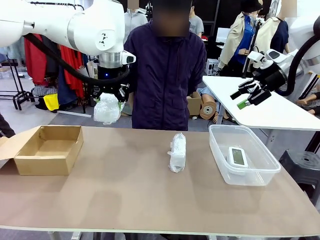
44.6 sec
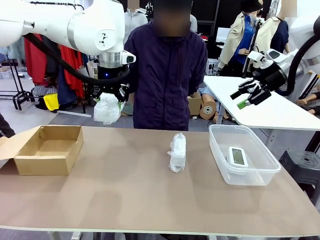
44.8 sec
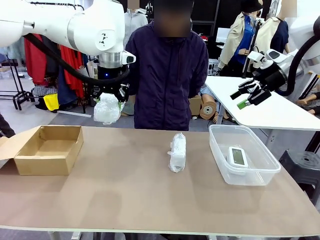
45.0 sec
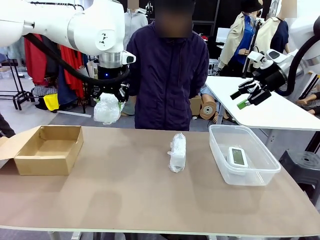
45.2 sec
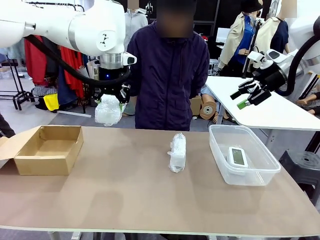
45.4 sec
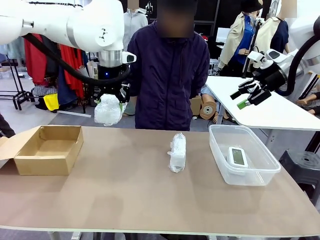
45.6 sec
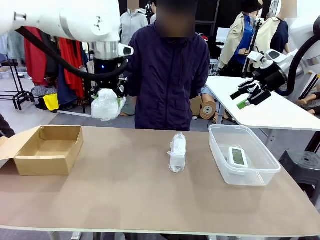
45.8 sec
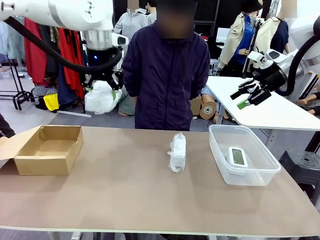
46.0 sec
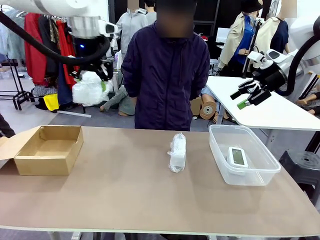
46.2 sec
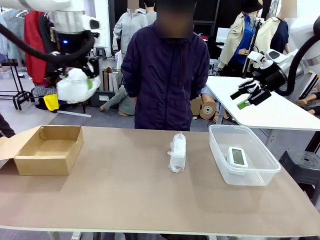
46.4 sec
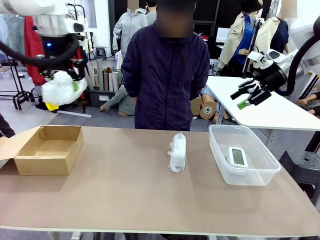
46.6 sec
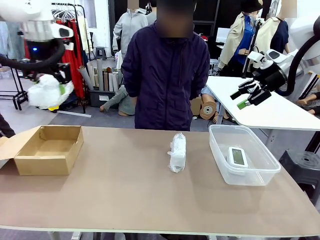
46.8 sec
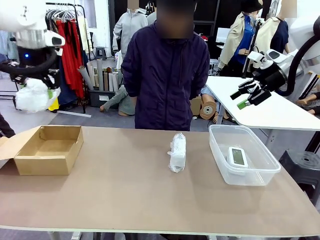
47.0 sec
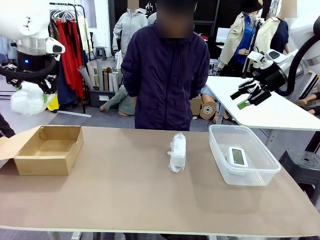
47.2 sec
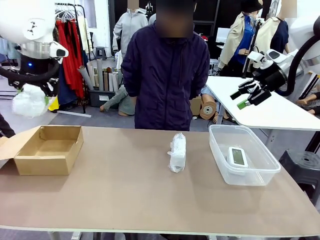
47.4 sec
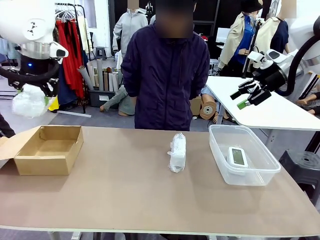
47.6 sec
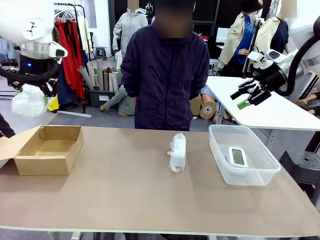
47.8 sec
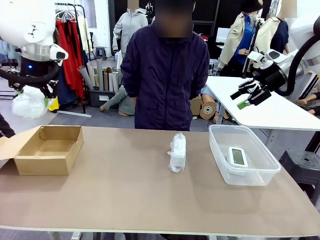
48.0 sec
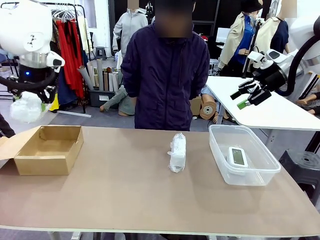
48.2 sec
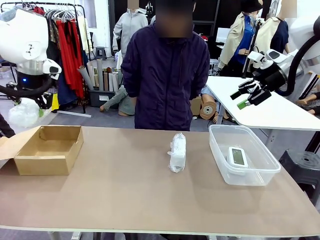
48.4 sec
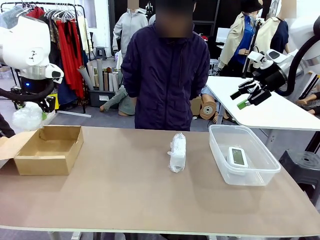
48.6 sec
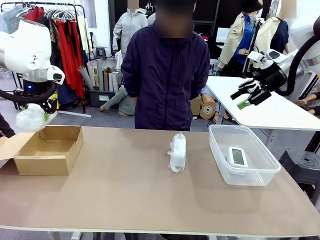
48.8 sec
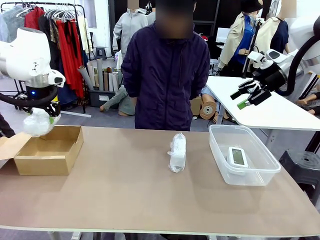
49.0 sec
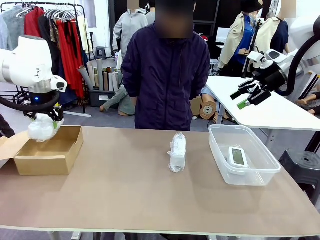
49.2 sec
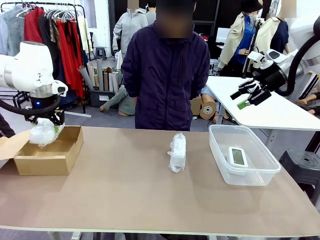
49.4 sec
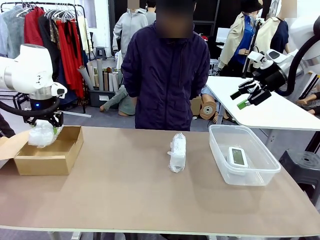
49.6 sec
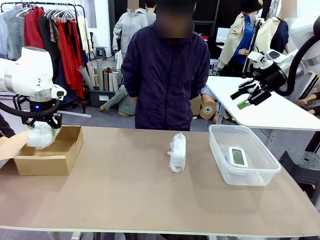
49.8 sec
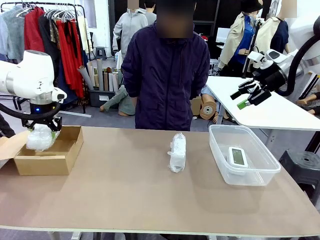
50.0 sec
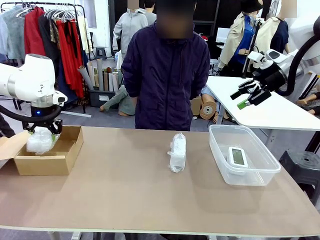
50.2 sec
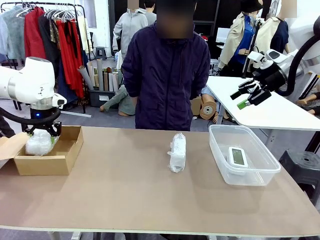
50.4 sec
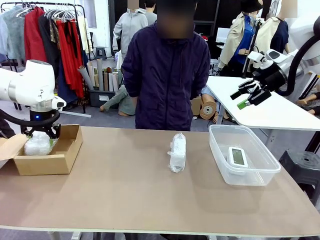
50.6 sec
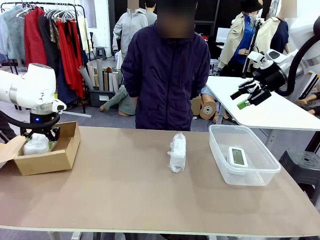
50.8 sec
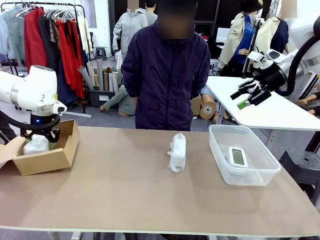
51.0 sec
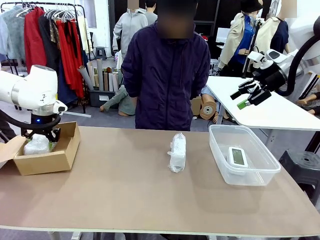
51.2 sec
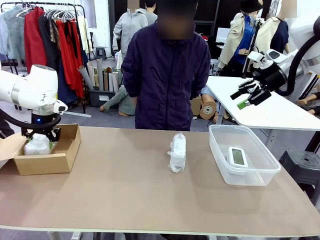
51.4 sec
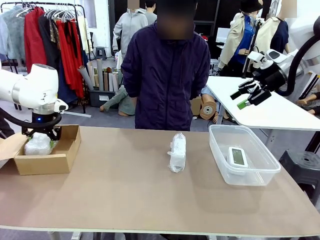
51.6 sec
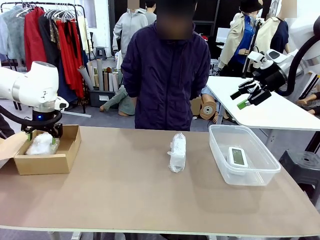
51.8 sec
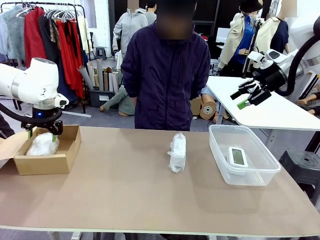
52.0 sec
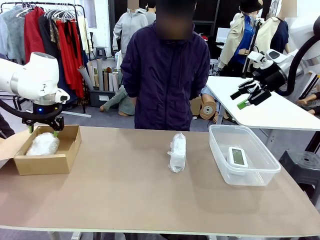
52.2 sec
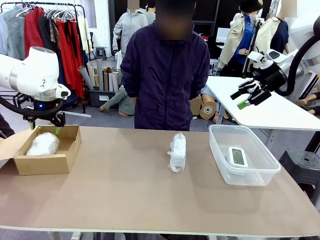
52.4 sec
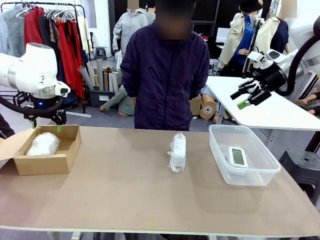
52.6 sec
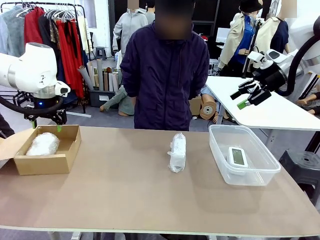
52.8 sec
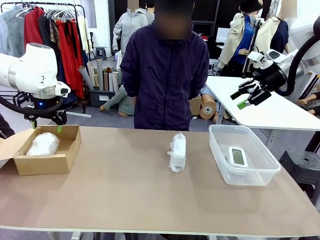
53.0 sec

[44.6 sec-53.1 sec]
Task: Separate and place wrapped and unwrapped clocks.
Robot: If the picked Digital clock is wrapped, place it in the Package Box ; if not, place it in the Organizing box.

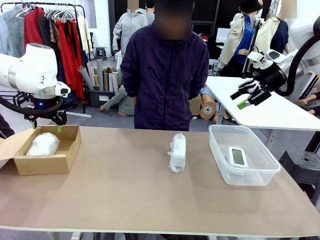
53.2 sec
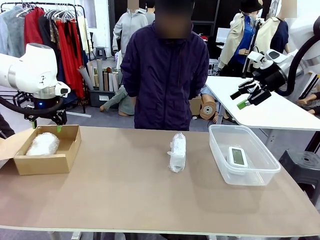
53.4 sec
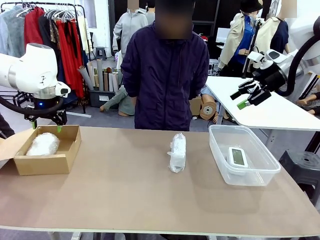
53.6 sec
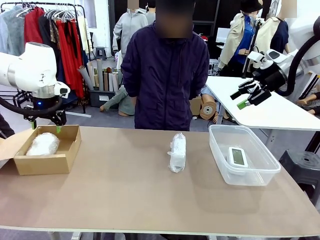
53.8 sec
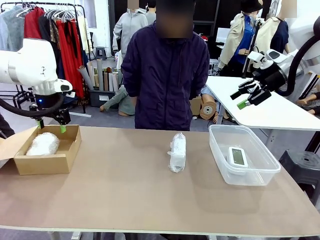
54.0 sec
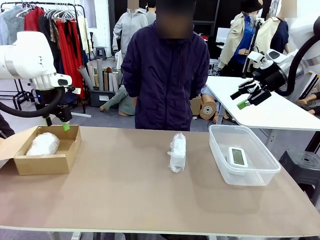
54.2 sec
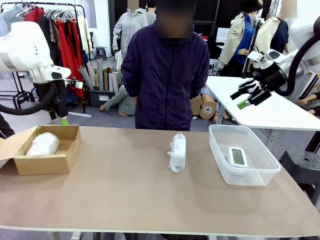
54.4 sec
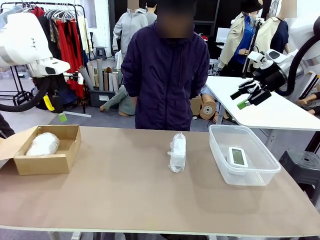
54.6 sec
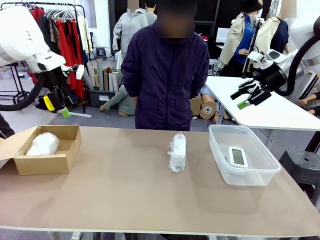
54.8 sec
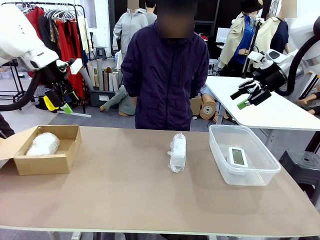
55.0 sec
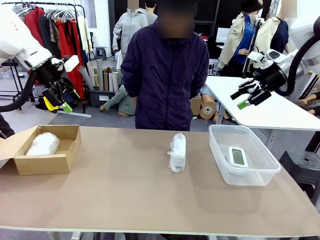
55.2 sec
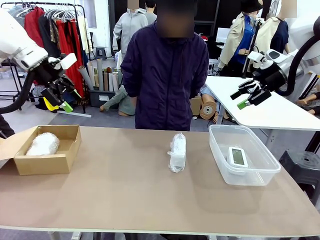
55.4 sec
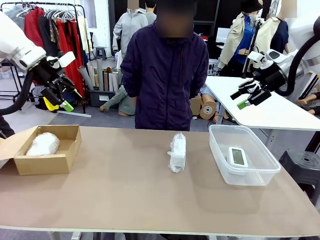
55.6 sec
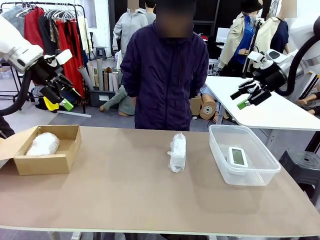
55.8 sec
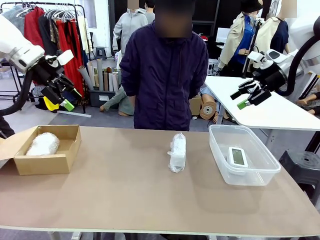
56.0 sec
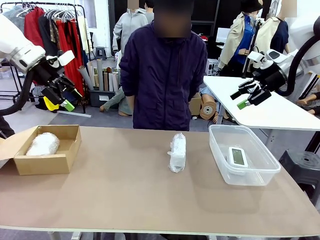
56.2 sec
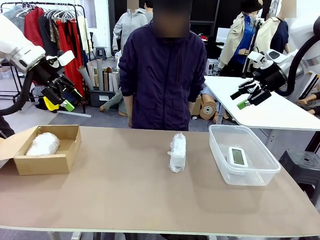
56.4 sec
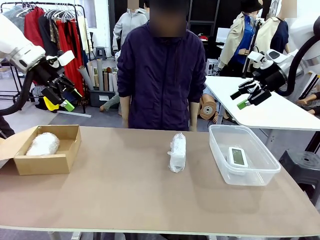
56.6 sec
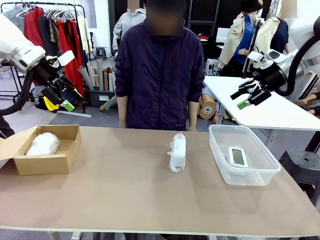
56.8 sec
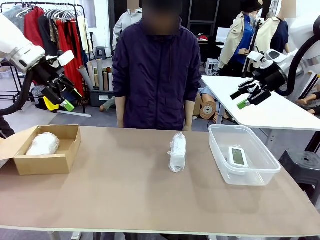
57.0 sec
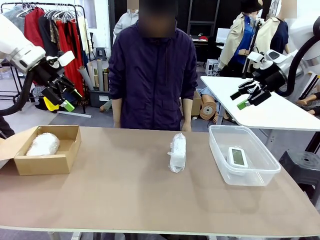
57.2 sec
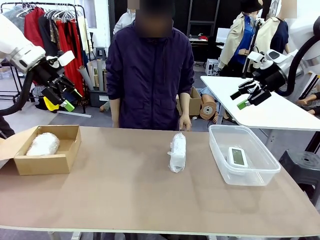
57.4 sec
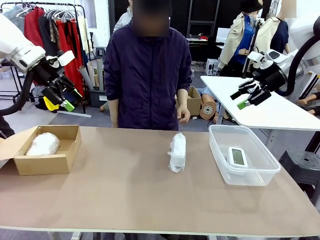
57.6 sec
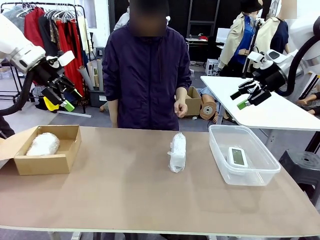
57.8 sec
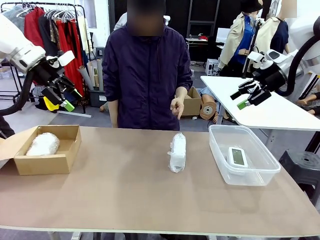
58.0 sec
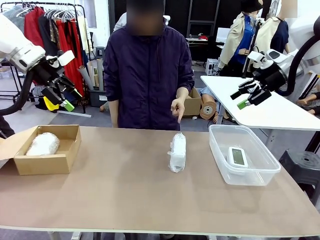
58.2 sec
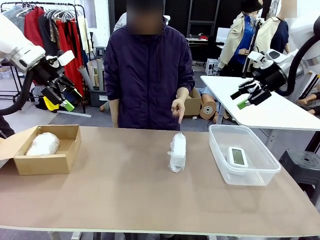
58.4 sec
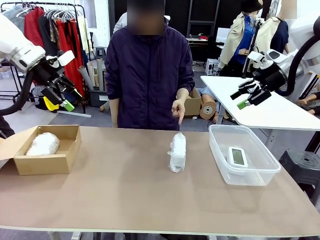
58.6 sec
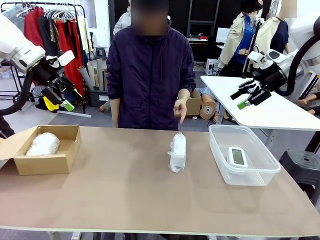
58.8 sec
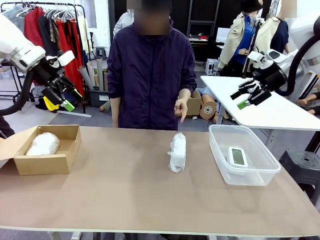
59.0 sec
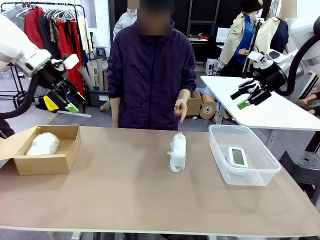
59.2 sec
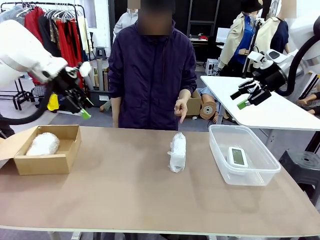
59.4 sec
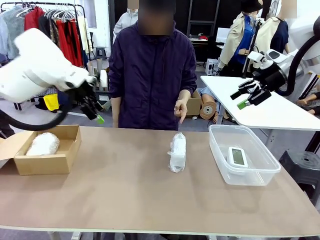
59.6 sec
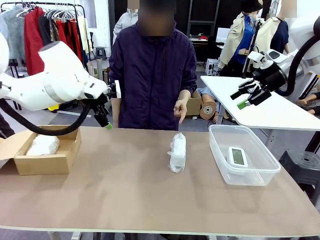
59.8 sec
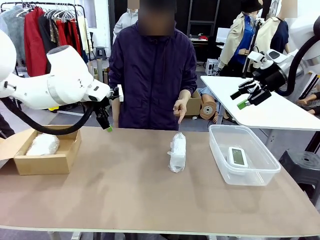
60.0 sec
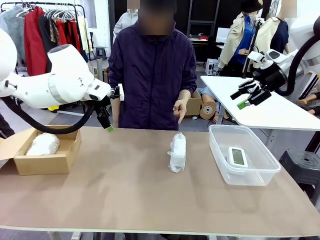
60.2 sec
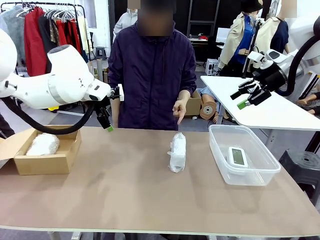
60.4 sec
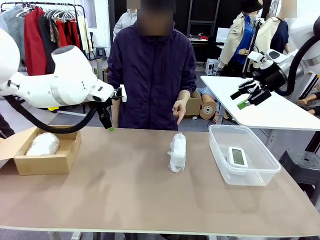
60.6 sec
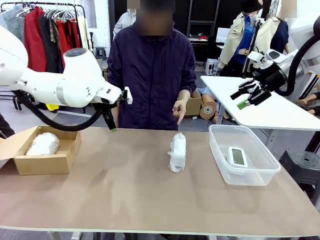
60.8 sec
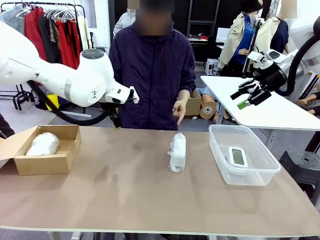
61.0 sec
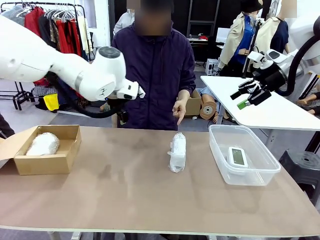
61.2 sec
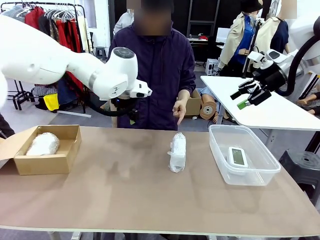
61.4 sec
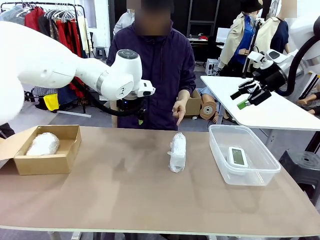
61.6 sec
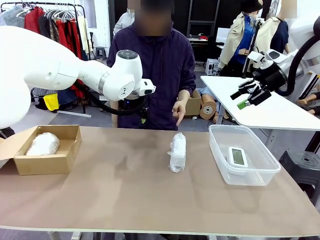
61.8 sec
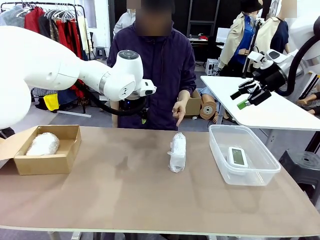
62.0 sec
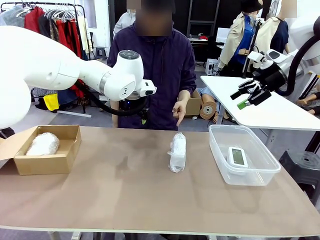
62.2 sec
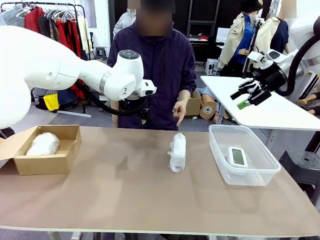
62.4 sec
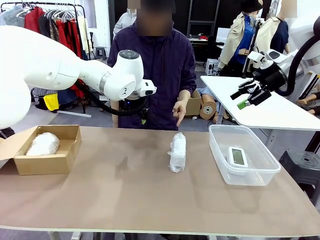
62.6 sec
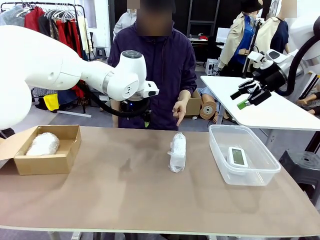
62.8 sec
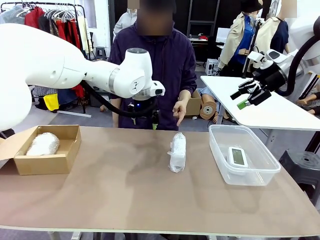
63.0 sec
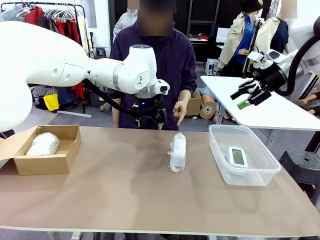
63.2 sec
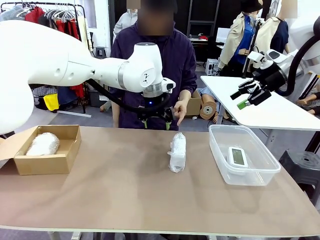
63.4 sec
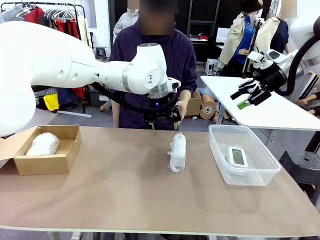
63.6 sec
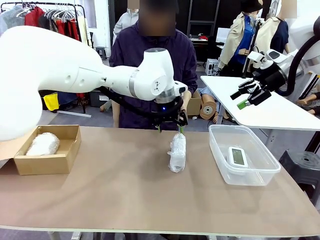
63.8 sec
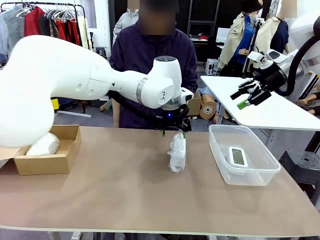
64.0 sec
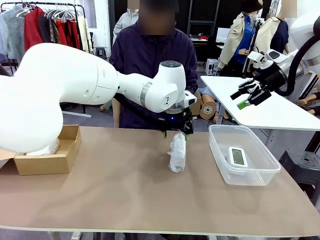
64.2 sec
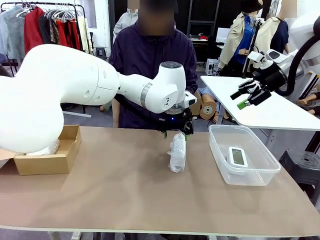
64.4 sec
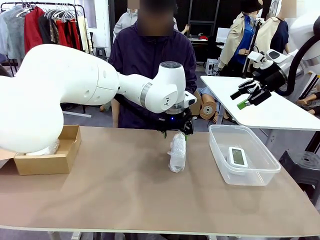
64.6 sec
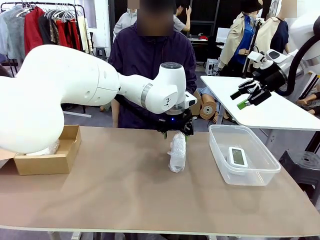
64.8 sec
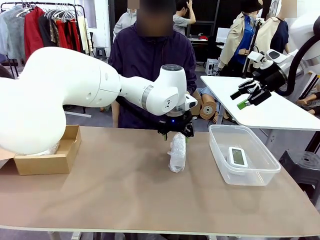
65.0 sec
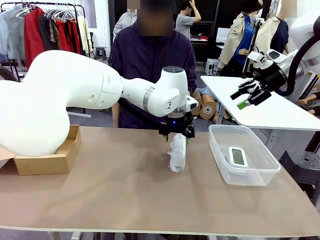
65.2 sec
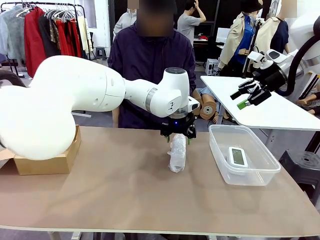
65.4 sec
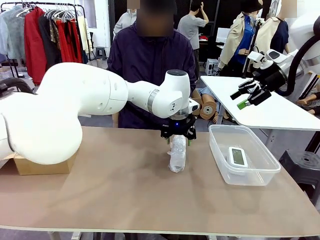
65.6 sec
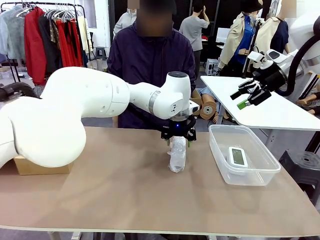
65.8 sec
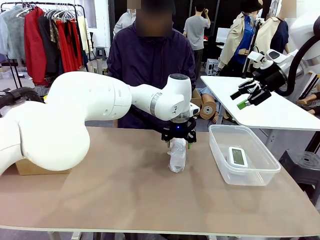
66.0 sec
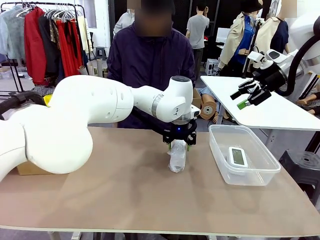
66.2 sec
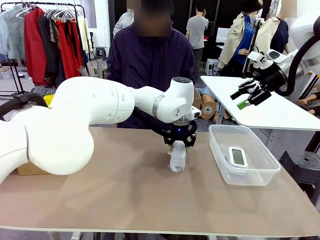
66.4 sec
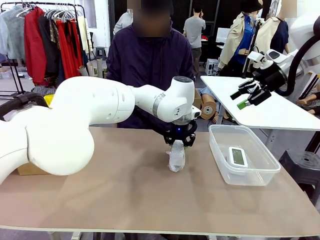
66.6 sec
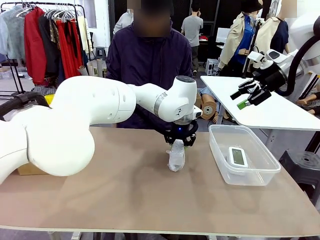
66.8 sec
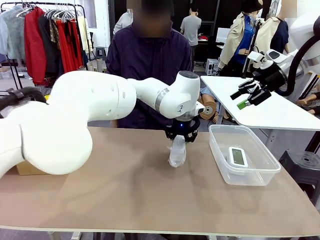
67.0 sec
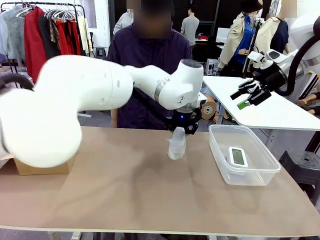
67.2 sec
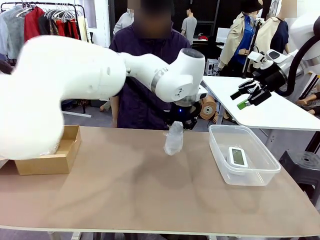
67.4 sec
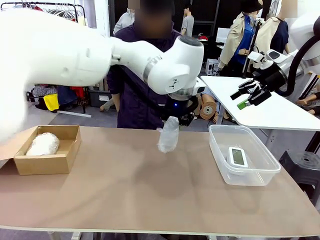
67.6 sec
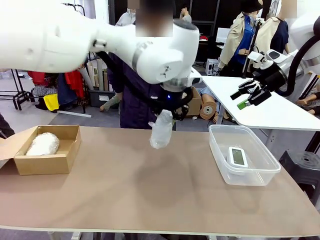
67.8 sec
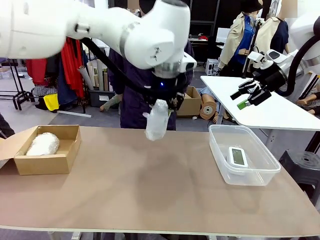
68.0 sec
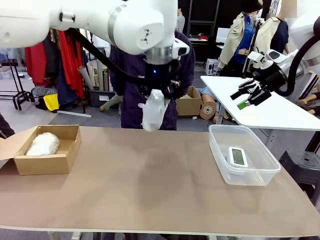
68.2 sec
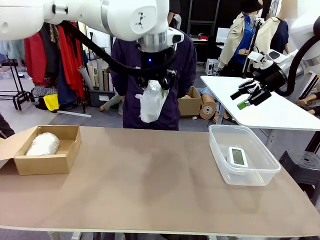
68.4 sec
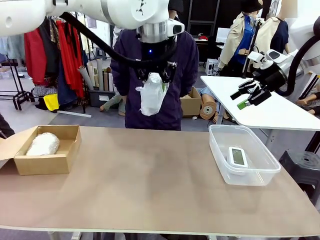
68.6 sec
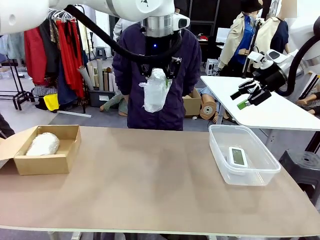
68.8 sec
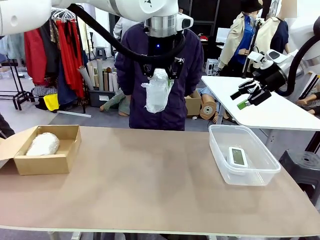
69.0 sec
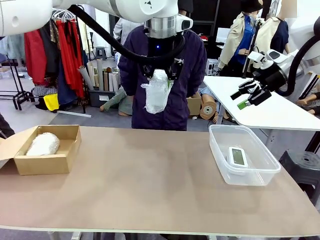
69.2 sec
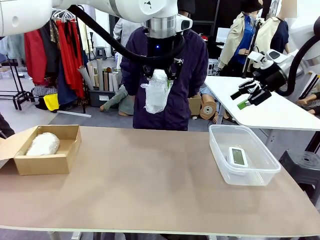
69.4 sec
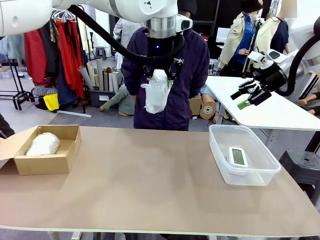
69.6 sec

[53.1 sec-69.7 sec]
Robot: Pick up the Digital clock indicated by the person.
